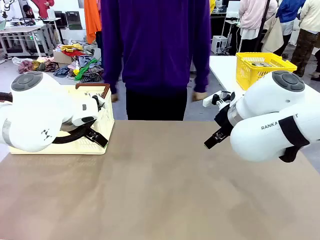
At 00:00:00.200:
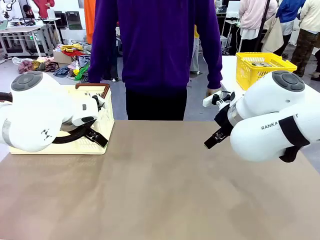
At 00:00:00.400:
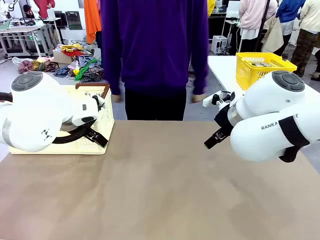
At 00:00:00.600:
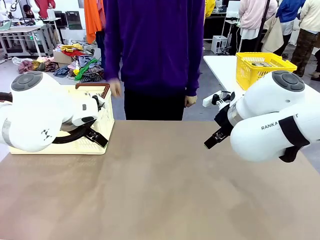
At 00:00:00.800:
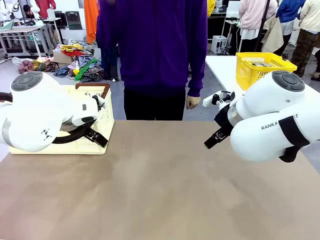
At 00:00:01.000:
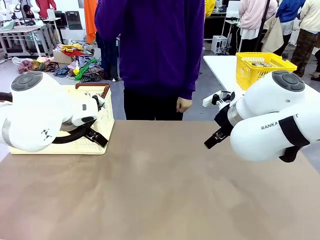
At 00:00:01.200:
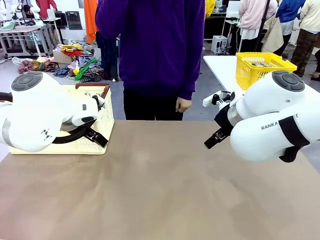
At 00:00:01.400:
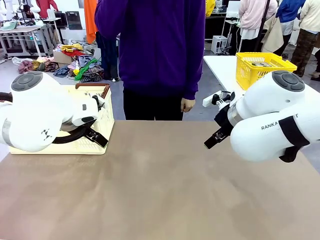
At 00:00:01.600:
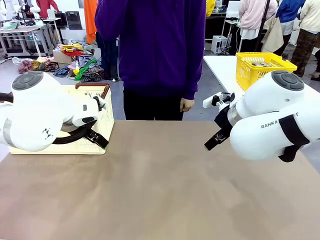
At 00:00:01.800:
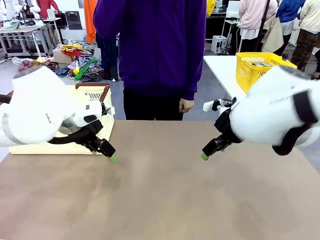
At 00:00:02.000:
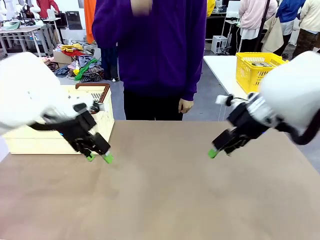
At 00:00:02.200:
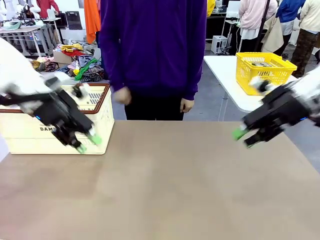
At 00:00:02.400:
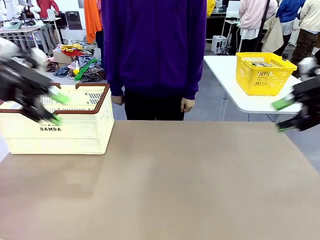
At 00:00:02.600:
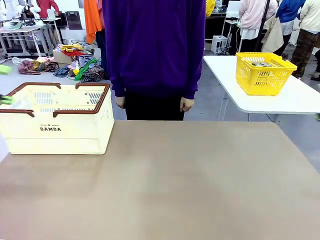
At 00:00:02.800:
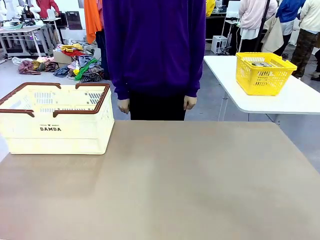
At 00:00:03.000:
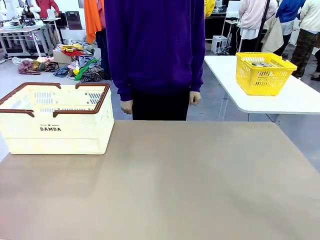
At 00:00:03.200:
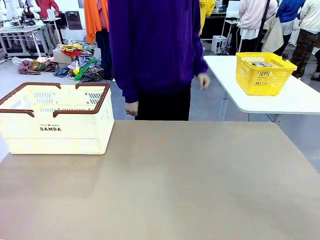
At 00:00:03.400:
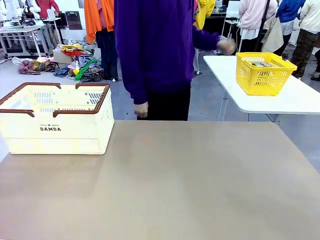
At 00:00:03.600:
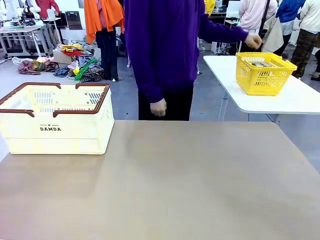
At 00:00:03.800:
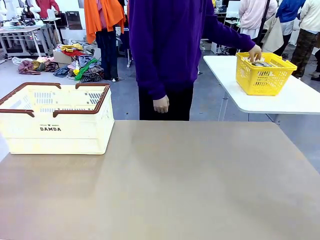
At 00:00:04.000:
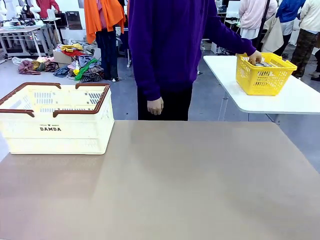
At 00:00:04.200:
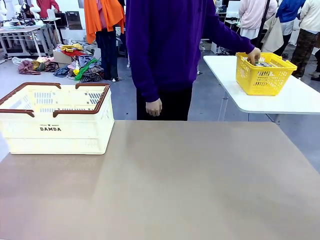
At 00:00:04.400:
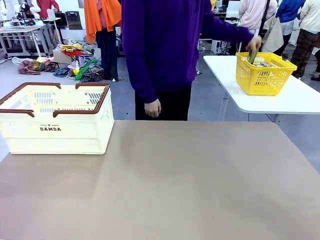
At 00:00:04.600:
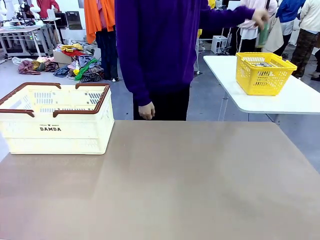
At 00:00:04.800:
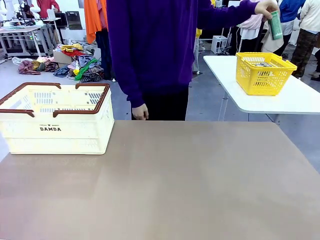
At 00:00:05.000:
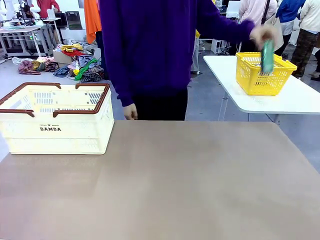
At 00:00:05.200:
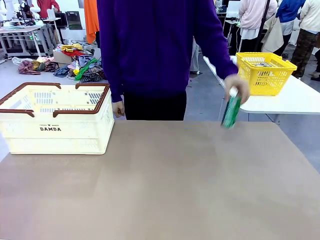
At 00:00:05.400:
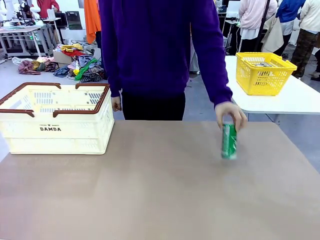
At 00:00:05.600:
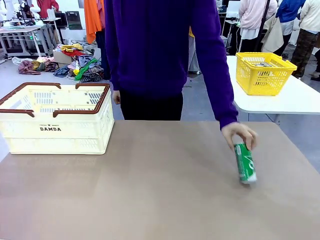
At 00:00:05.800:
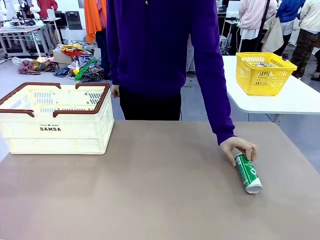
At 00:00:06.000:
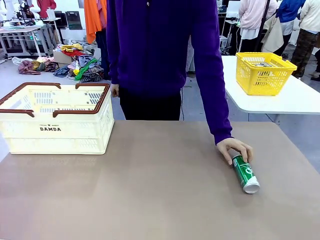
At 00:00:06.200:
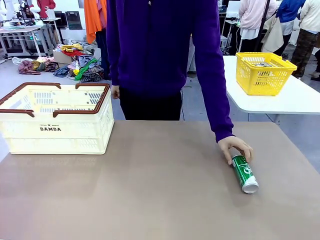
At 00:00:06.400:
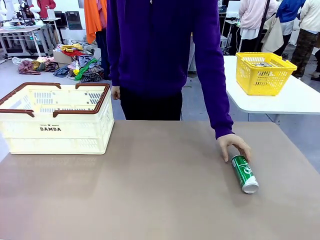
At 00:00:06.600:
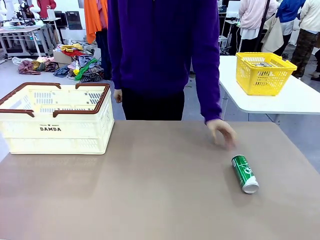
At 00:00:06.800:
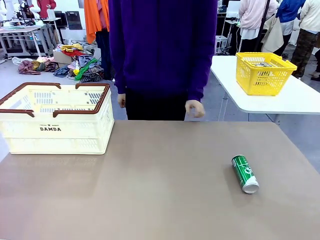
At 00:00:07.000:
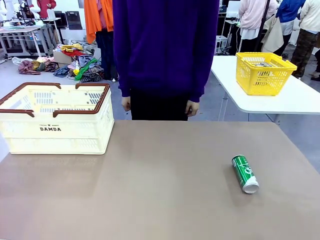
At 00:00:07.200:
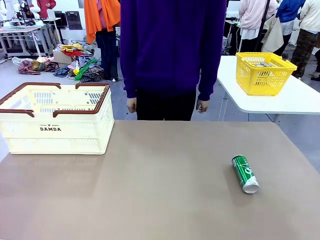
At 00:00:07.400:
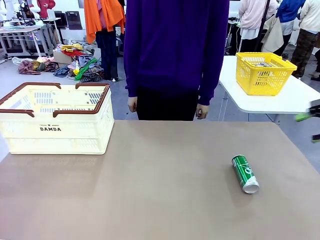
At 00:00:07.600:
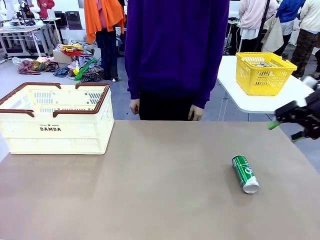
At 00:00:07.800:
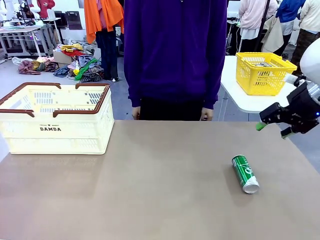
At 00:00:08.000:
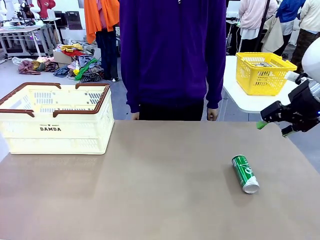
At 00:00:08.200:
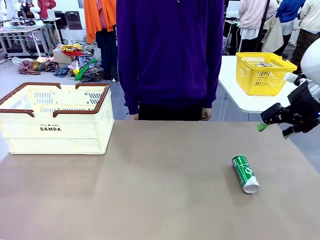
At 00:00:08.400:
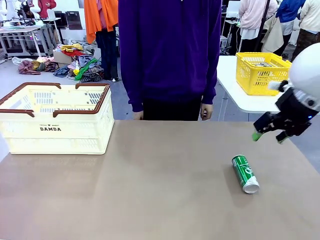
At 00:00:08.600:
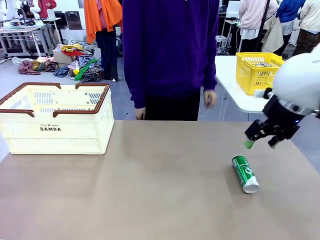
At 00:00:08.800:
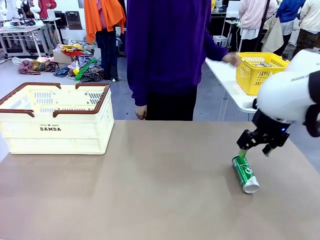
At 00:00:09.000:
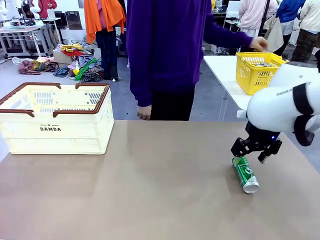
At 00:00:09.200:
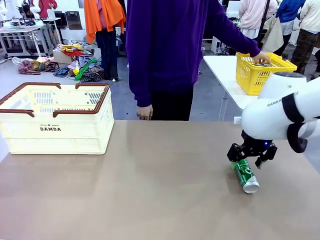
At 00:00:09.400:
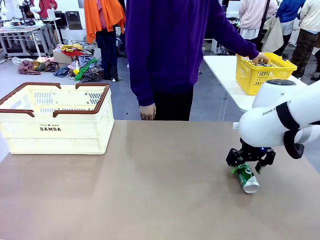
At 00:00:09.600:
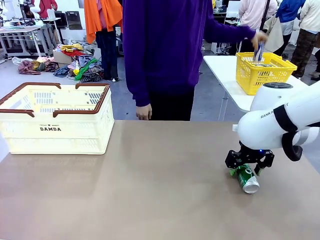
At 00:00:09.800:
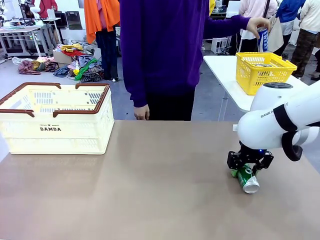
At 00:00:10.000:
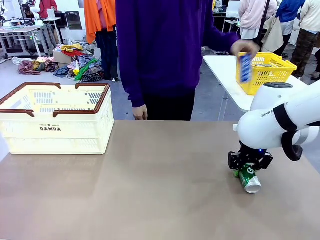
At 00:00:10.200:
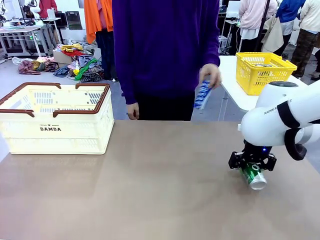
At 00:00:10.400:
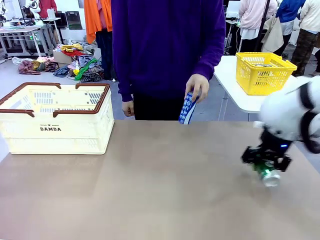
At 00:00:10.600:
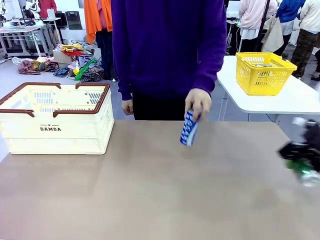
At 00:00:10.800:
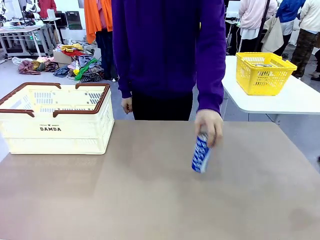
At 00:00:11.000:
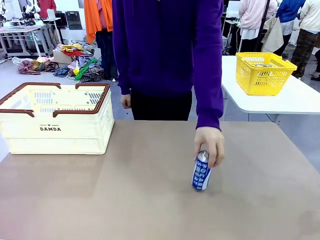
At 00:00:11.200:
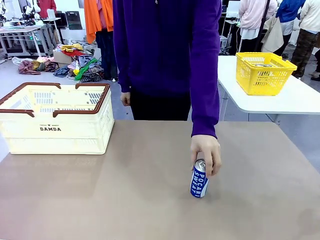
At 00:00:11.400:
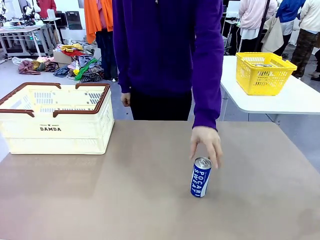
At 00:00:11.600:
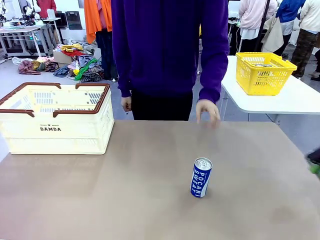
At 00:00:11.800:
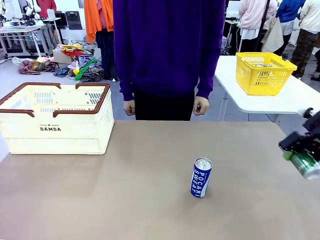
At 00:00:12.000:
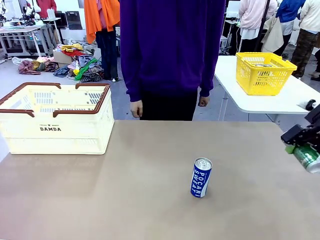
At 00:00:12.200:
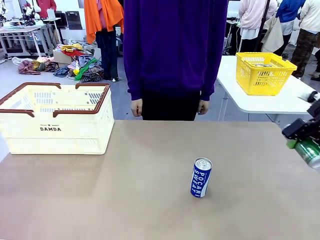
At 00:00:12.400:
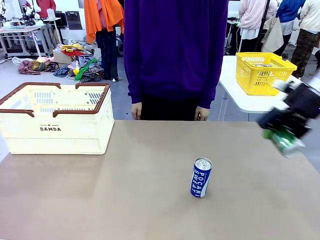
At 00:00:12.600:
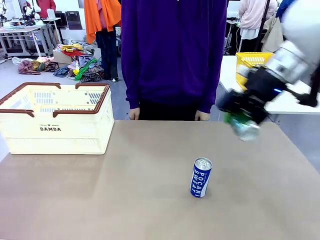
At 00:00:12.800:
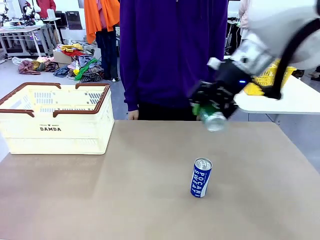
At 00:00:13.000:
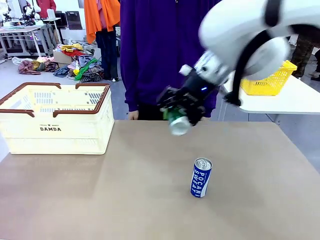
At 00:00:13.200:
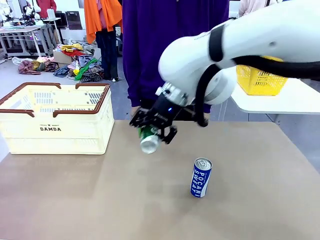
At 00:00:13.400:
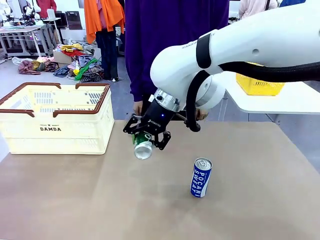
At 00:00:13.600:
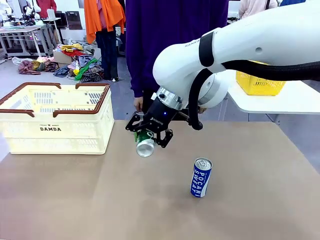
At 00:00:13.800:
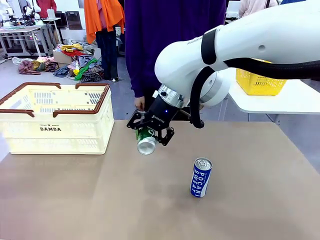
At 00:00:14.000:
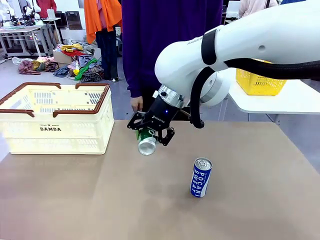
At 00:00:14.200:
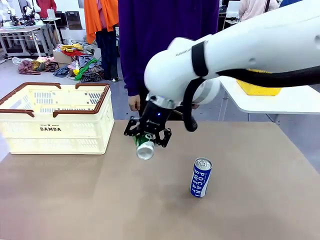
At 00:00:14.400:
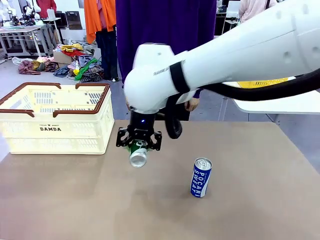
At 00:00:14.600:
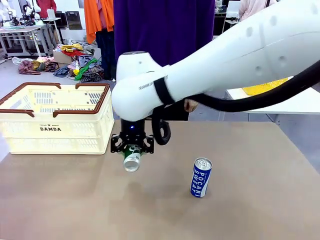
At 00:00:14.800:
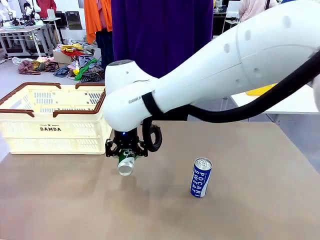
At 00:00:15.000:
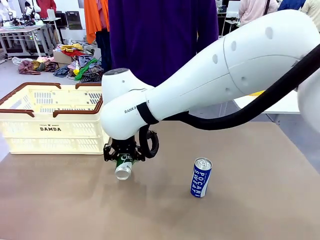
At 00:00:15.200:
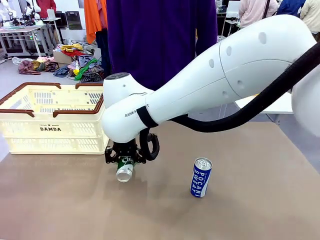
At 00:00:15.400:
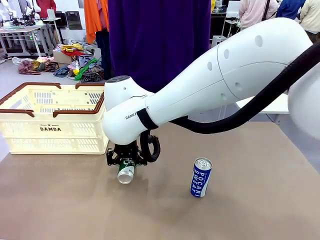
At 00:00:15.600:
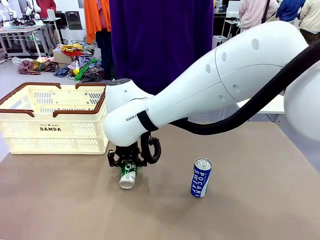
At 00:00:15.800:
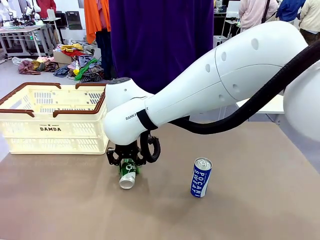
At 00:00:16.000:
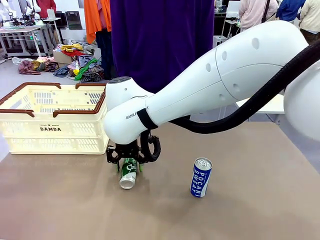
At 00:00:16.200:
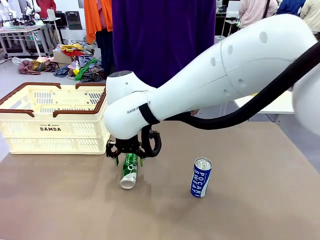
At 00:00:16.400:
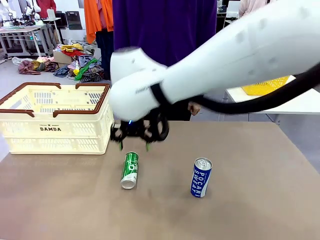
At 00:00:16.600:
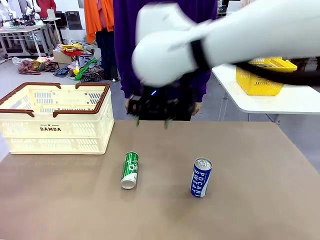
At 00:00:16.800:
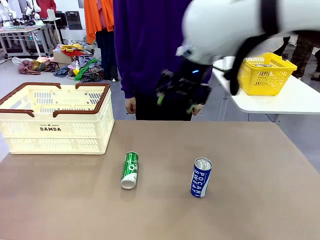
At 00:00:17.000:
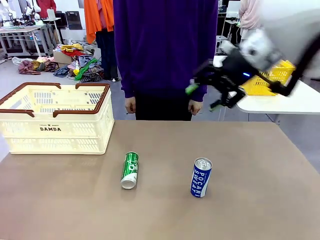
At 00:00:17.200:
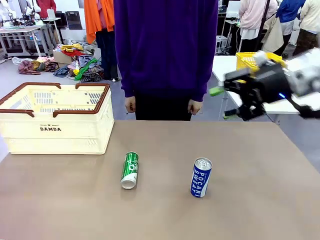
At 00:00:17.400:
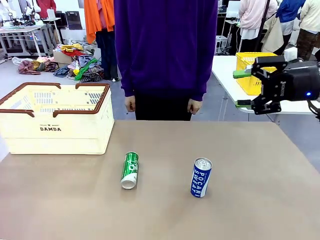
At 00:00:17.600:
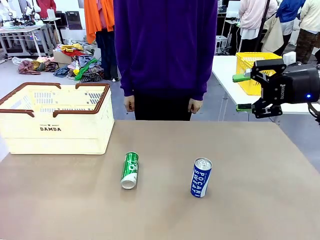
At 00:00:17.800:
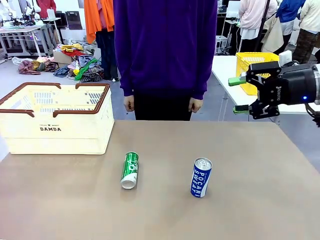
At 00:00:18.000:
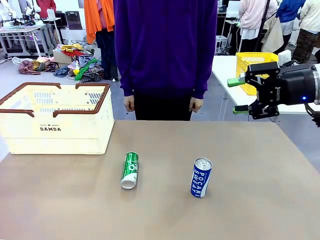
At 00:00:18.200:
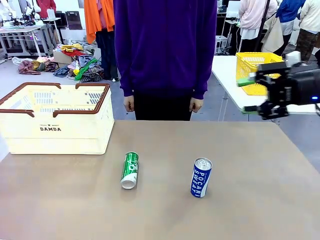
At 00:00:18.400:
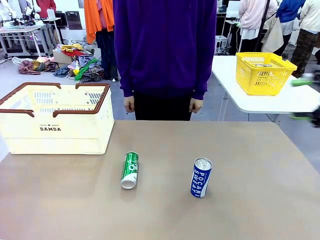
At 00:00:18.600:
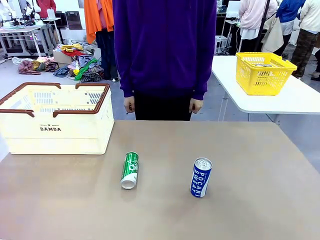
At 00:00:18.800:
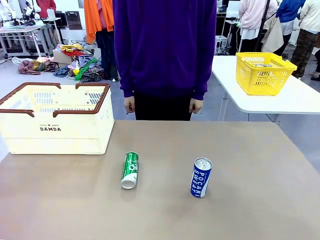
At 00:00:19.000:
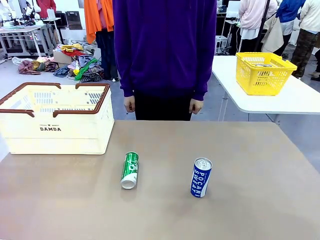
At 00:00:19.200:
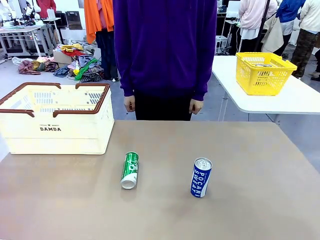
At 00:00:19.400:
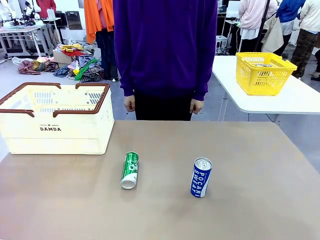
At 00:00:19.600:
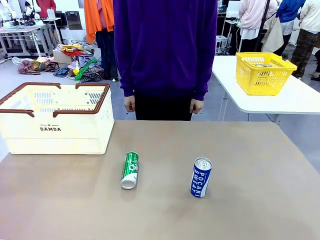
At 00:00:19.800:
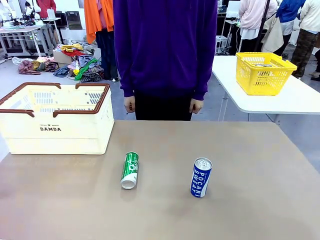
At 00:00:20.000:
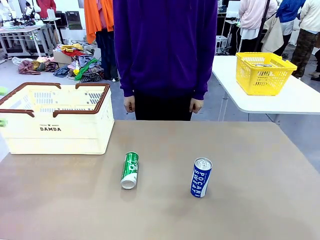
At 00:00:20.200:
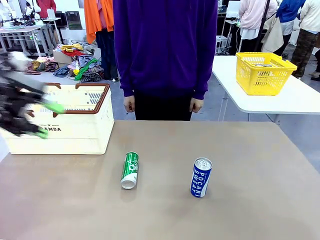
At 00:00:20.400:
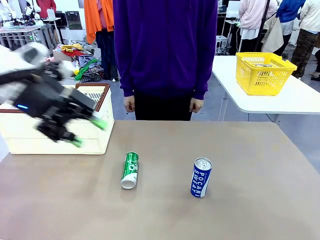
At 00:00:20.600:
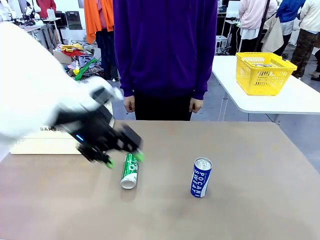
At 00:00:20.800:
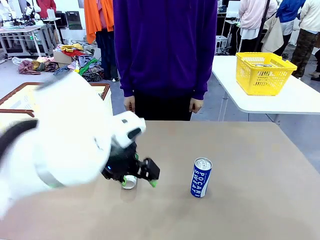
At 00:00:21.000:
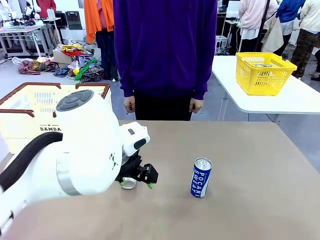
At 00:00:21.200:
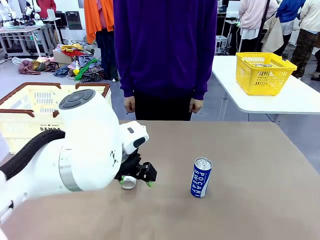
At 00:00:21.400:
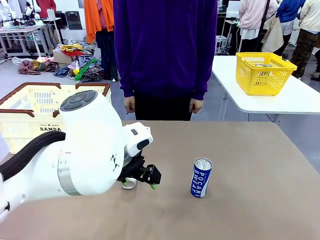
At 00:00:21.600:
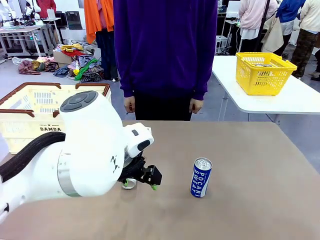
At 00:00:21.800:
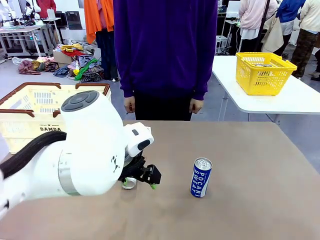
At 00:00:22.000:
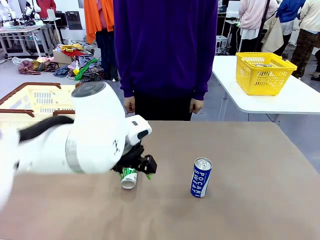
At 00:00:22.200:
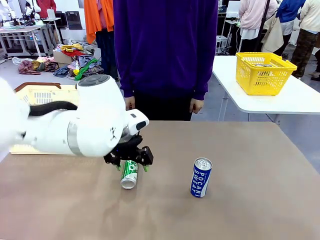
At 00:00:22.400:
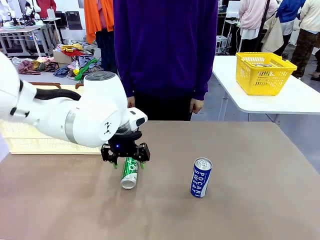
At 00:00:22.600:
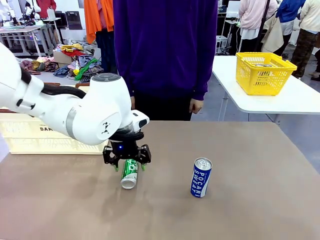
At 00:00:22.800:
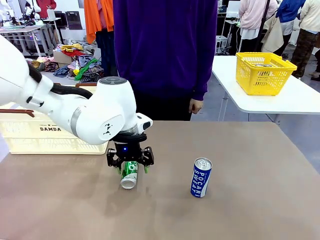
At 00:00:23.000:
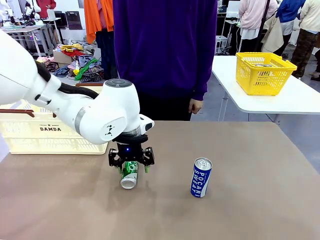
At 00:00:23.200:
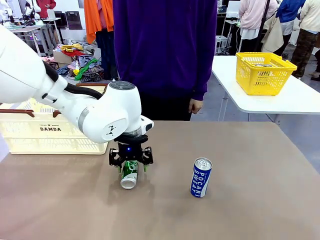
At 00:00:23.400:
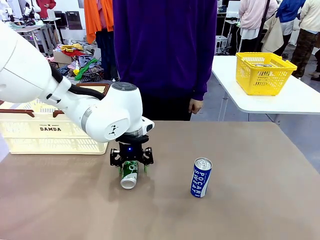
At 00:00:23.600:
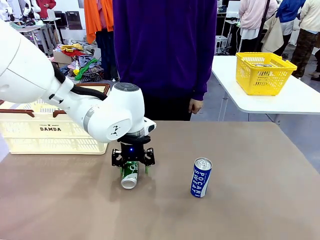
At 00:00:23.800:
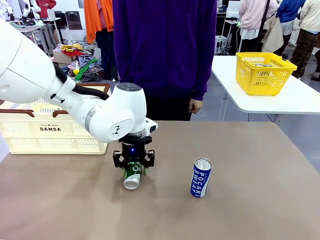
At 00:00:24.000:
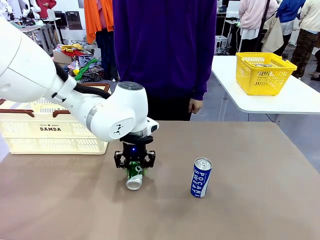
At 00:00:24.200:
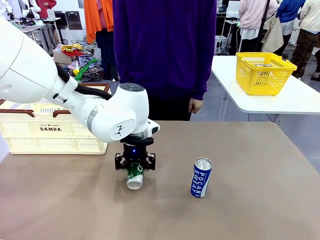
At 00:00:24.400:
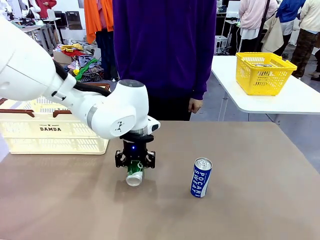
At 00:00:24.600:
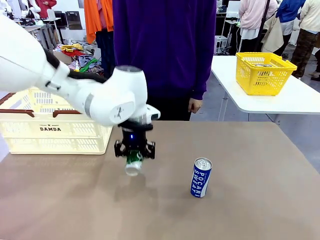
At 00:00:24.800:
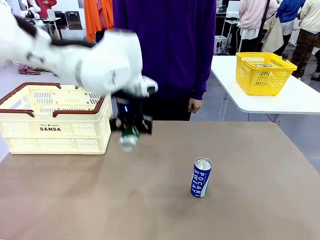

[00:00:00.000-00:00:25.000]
Task: Place the drinks into the Shopping basket.
Robot: Pick up one drink and place it into the Shopping basket.
